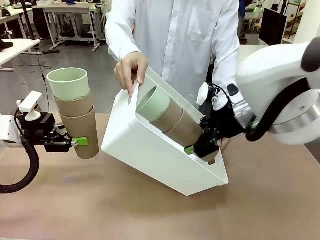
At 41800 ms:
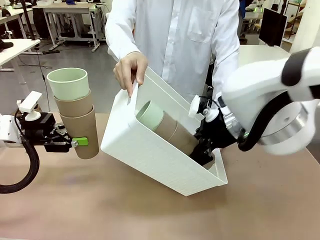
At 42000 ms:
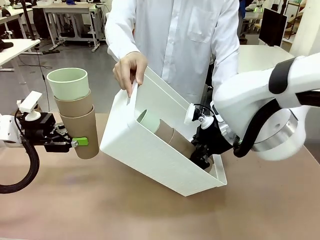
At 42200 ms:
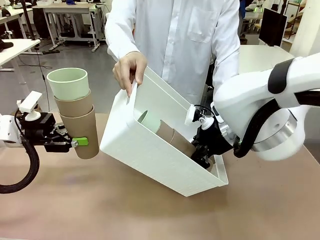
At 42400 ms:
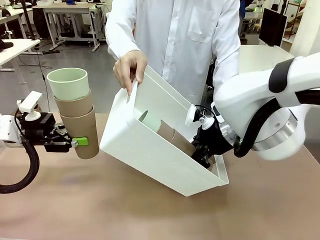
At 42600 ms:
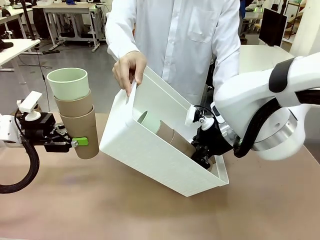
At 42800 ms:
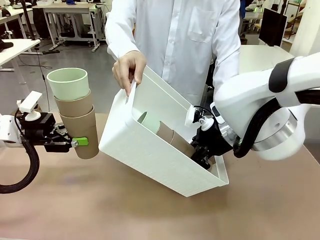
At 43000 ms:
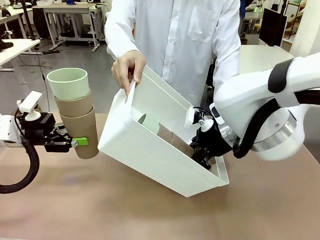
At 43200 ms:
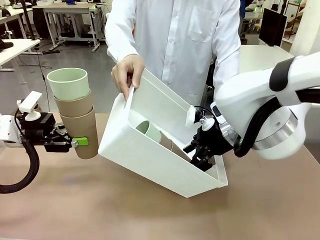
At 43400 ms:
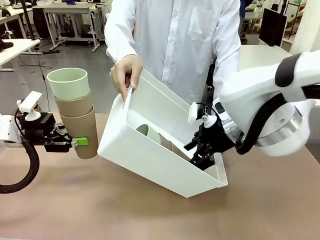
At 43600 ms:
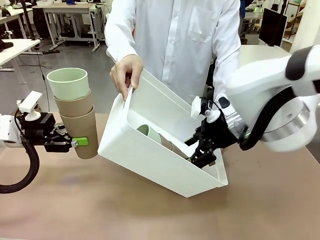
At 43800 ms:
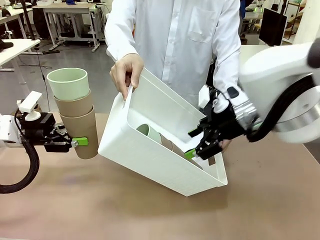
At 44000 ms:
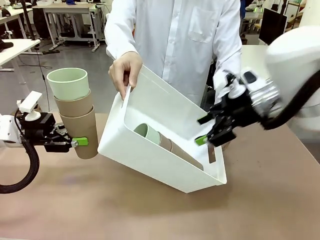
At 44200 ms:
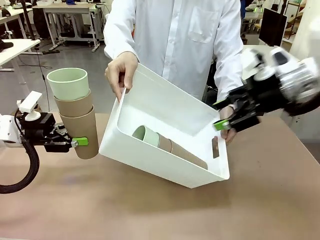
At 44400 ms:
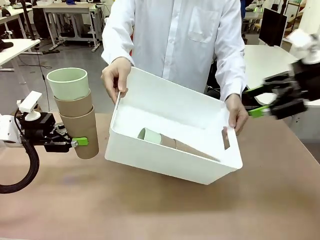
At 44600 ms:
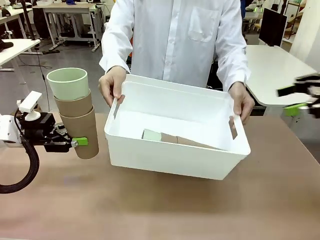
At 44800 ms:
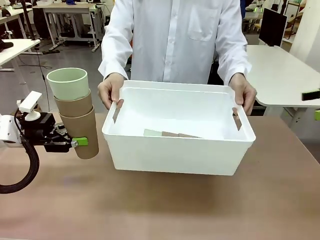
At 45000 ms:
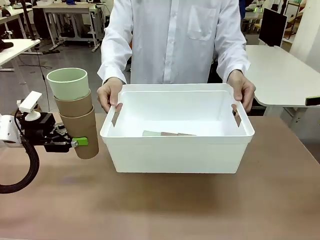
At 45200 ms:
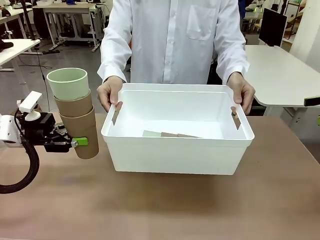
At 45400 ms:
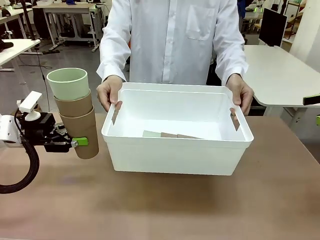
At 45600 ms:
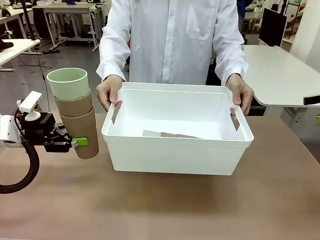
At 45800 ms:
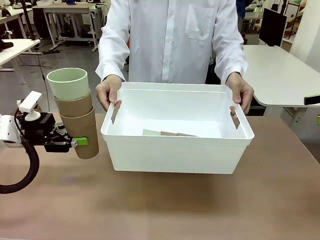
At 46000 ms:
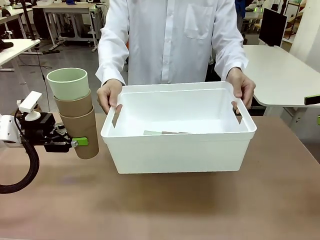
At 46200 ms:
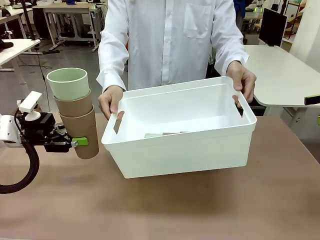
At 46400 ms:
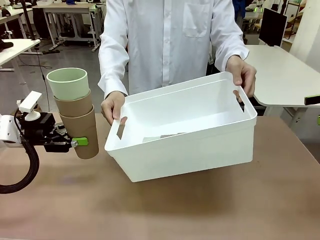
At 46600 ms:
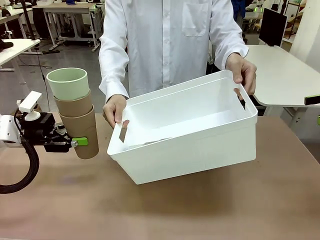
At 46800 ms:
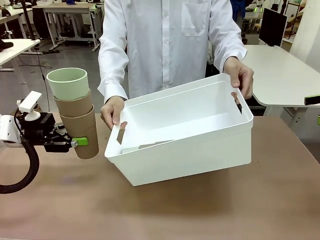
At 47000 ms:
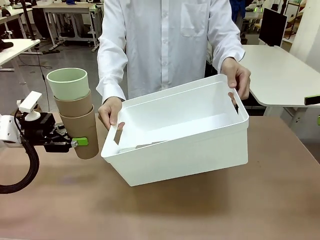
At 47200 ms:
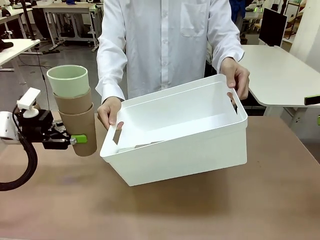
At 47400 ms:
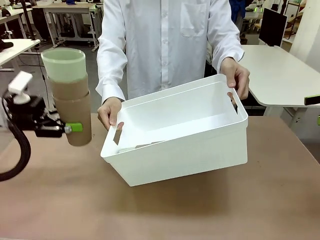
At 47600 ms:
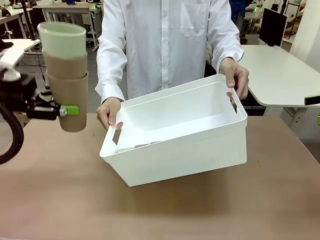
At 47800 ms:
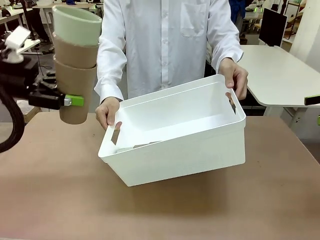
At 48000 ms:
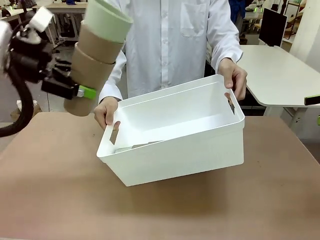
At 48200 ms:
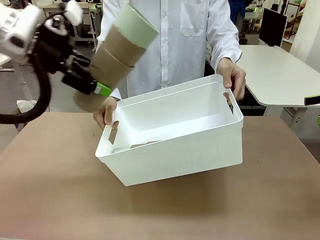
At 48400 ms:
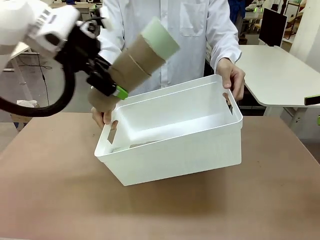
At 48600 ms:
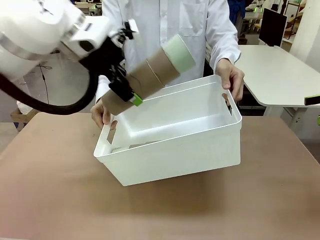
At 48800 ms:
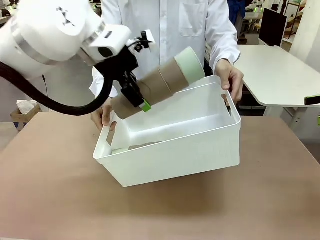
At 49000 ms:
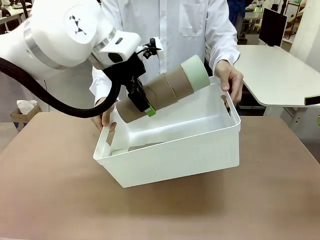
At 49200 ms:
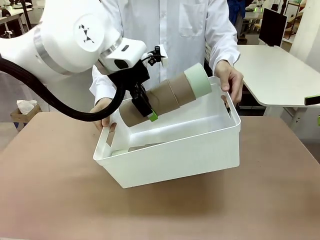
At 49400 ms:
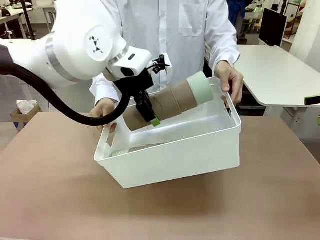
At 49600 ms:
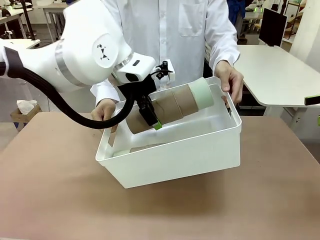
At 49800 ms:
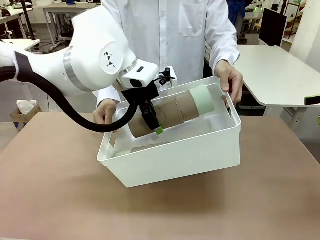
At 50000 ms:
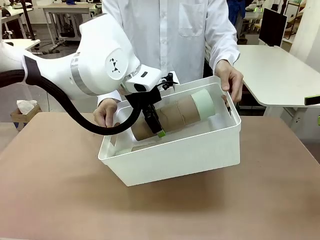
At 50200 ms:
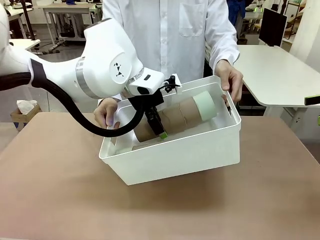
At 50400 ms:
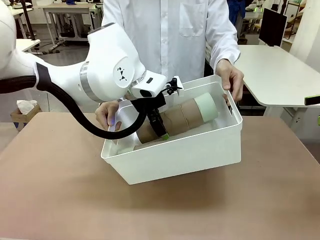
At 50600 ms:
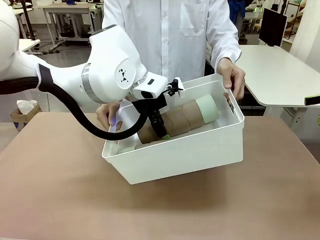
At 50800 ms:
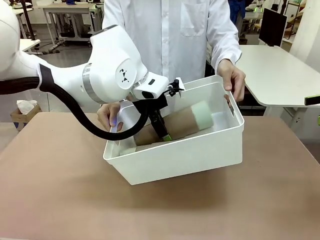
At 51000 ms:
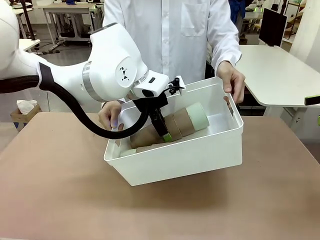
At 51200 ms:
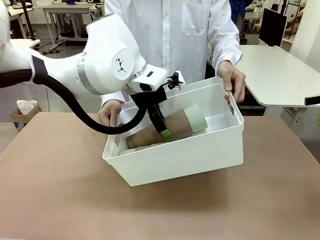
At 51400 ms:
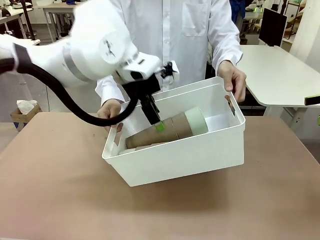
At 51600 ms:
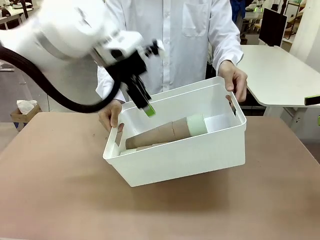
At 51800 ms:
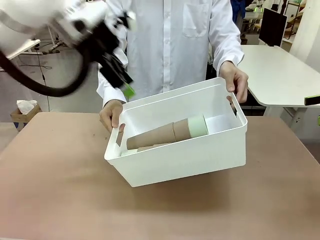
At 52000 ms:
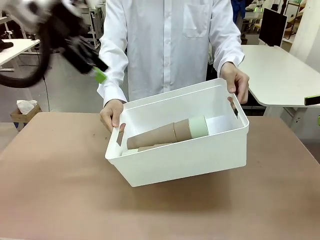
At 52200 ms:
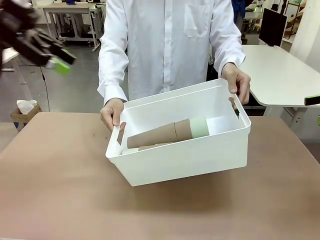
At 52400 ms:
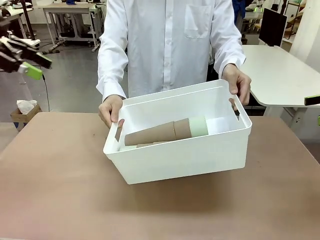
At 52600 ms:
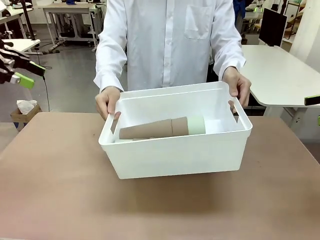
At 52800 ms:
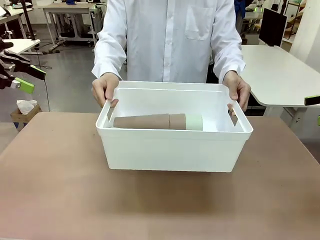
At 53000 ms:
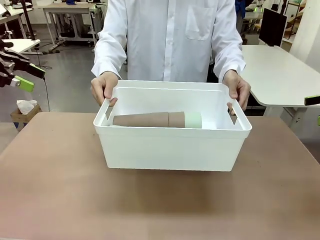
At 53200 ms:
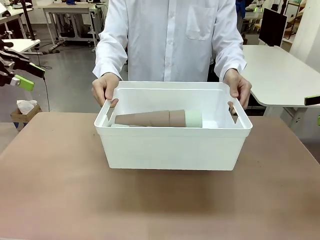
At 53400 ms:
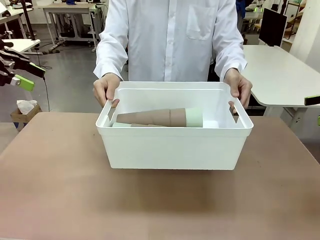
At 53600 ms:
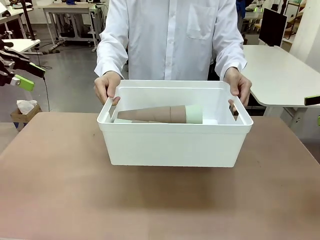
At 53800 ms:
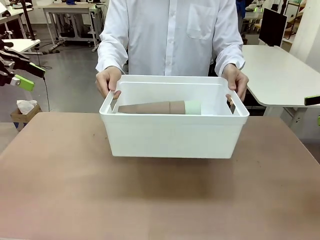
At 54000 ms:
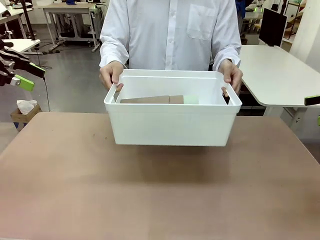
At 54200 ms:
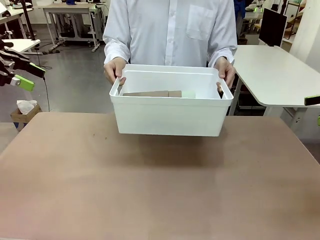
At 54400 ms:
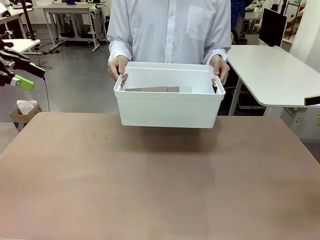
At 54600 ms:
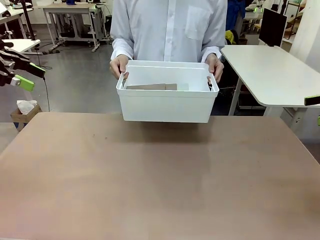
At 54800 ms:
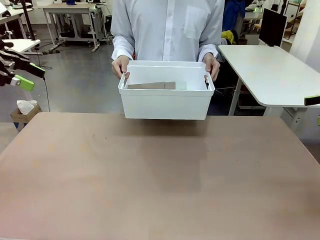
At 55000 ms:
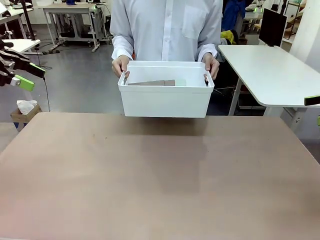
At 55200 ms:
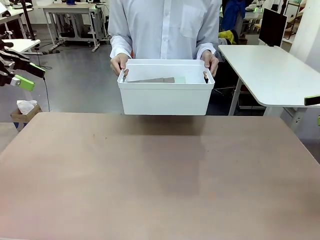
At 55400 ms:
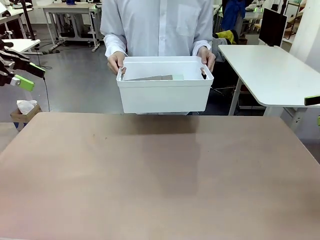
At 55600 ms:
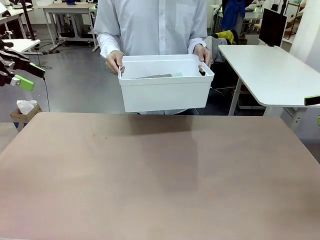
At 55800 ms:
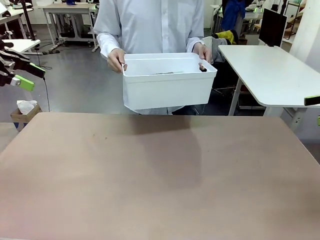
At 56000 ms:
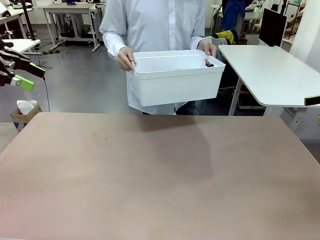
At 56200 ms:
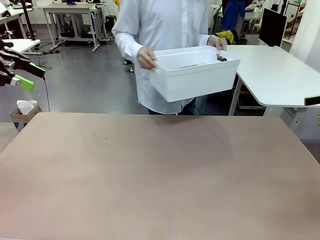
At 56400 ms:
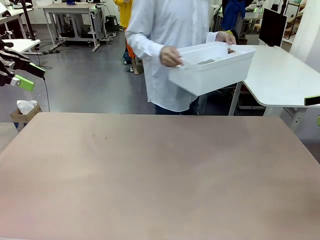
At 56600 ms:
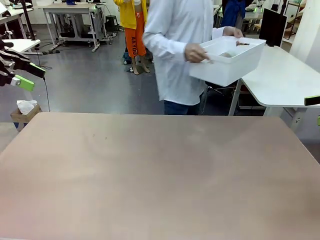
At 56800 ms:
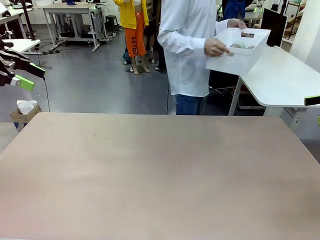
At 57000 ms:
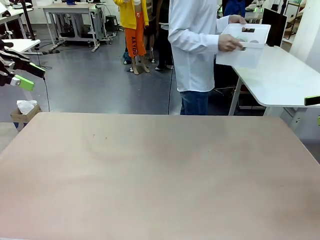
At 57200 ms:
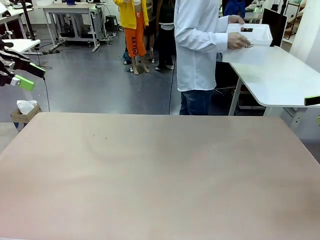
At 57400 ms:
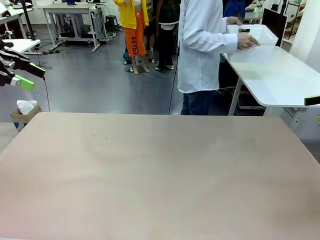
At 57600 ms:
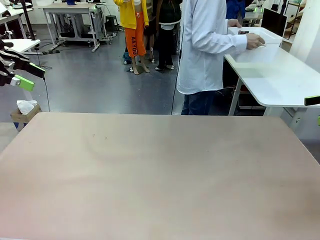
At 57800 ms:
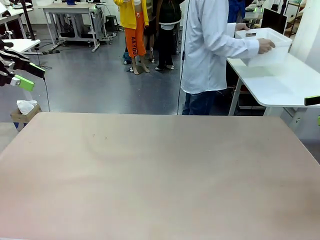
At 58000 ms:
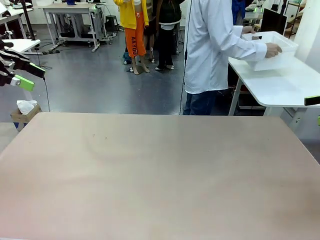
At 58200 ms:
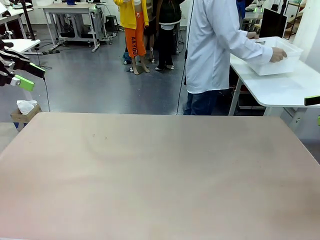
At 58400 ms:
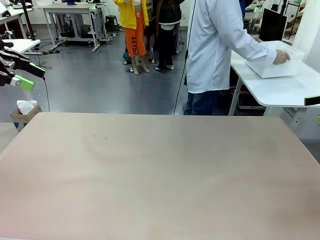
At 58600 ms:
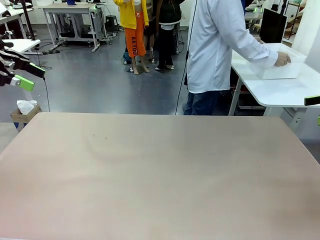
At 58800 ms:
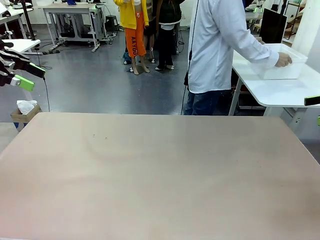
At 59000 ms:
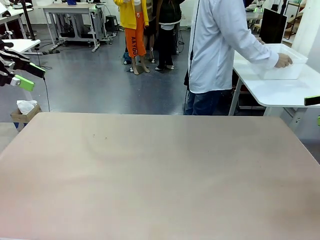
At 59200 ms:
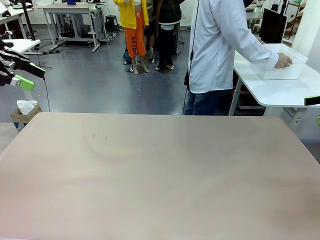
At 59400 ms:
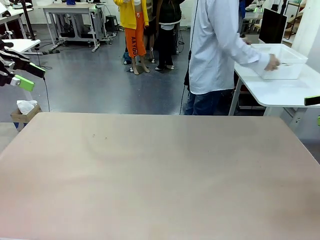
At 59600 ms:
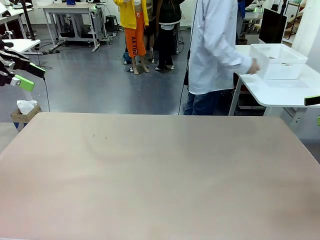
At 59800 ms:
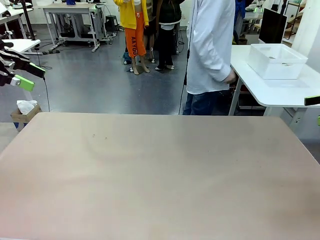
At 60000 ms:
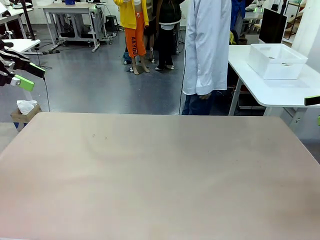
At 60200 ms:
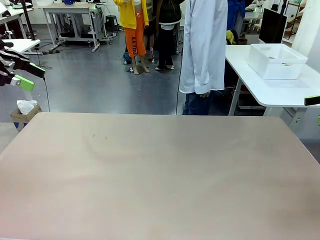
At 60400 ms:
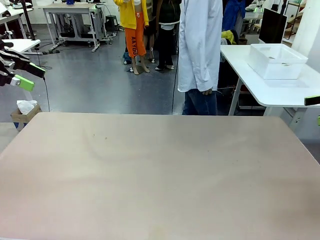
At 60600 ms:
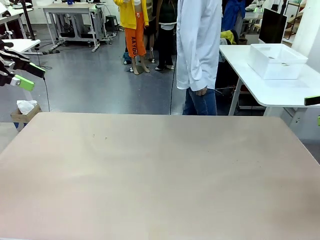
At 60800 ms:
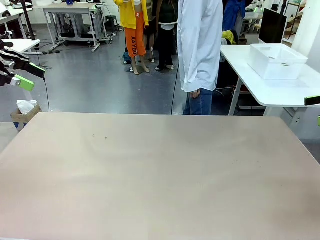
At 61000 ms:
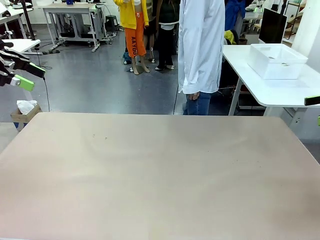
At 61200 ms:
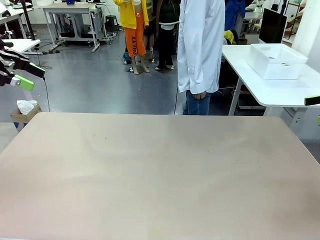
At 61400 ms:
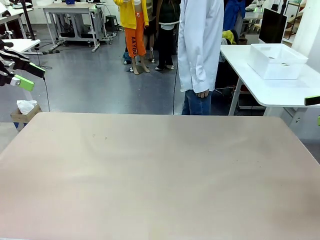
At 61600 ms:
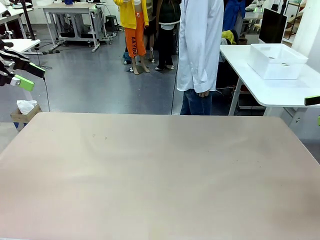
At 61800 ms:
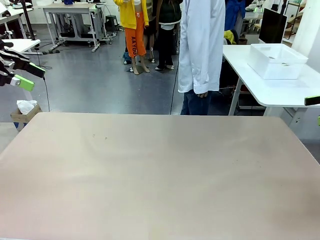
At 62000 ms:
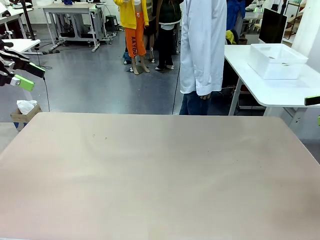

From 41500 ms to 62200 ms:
Task: Stack the cups and store them in the basket.
Robot: Place the stack of Reusable plastic cups into the Pantry Basket.
Person: Place the basket containing the cups in the middle of the Human Table.
